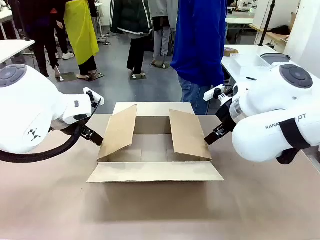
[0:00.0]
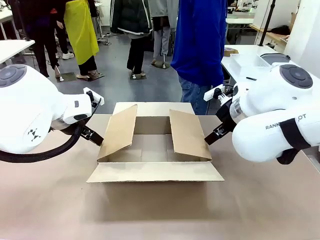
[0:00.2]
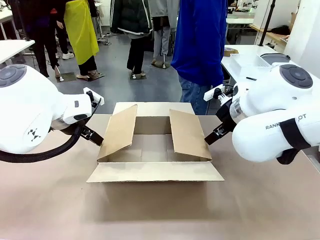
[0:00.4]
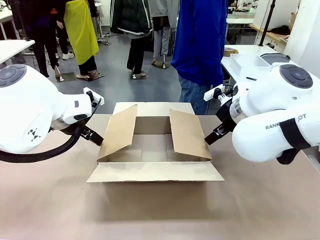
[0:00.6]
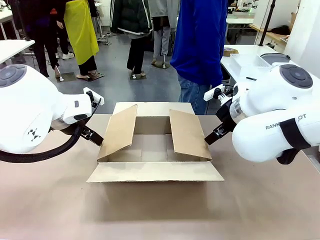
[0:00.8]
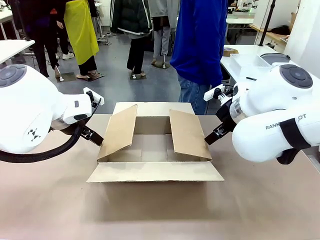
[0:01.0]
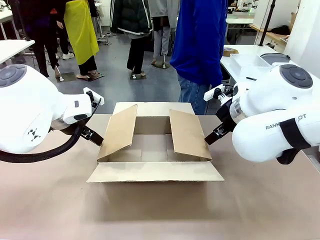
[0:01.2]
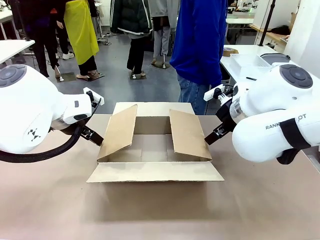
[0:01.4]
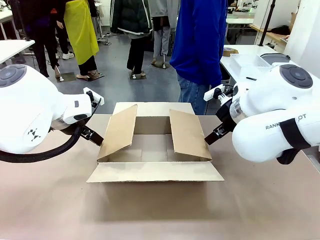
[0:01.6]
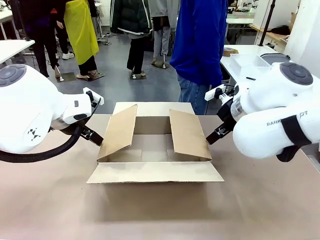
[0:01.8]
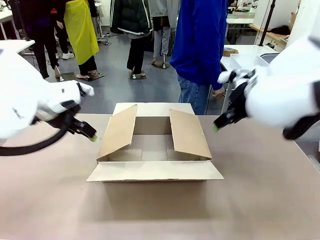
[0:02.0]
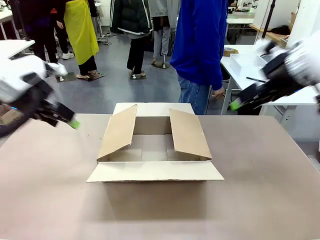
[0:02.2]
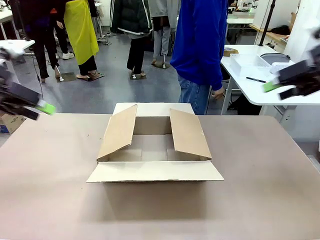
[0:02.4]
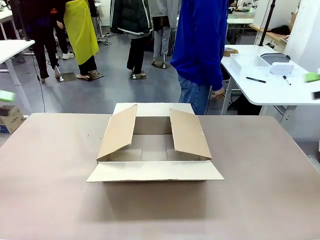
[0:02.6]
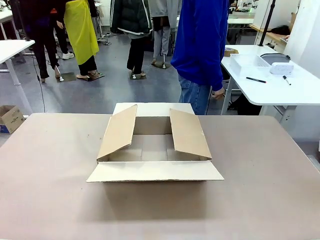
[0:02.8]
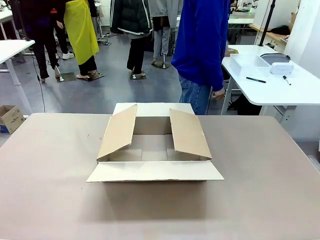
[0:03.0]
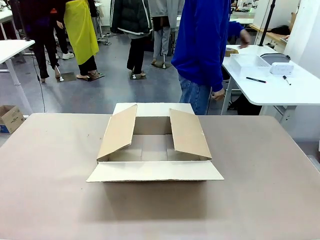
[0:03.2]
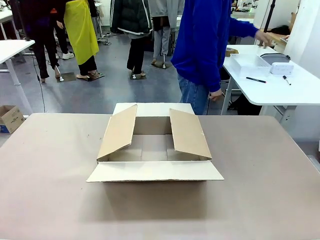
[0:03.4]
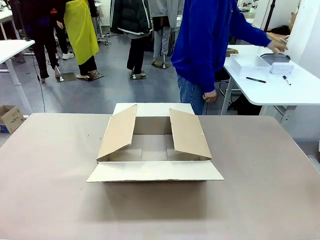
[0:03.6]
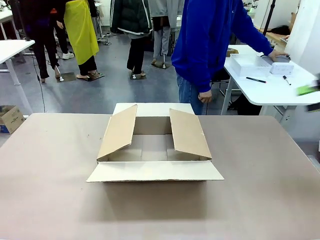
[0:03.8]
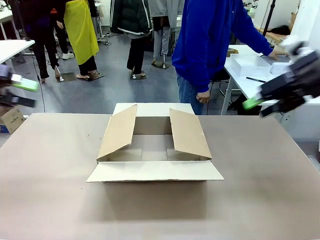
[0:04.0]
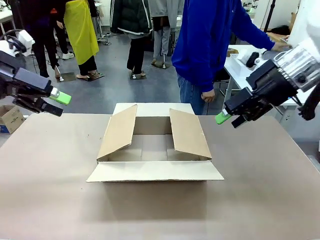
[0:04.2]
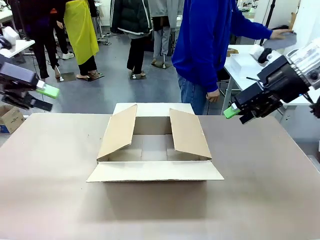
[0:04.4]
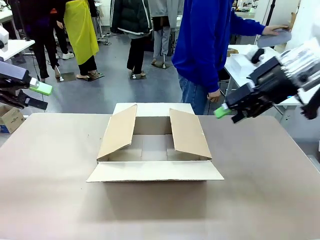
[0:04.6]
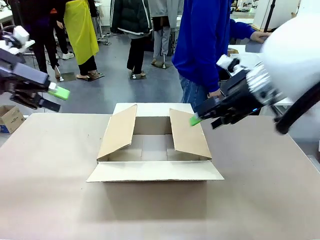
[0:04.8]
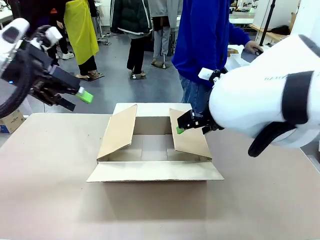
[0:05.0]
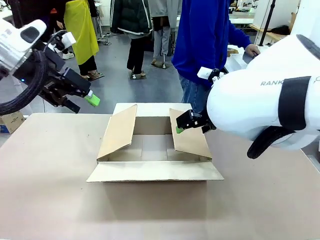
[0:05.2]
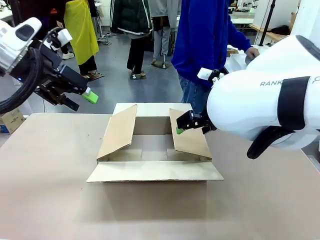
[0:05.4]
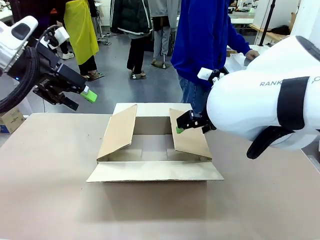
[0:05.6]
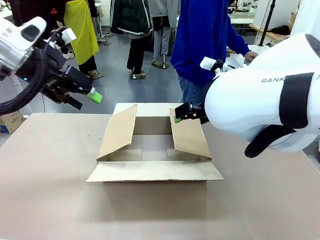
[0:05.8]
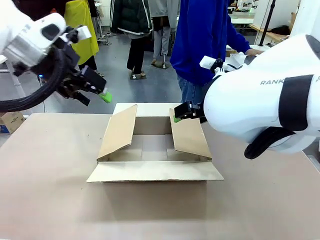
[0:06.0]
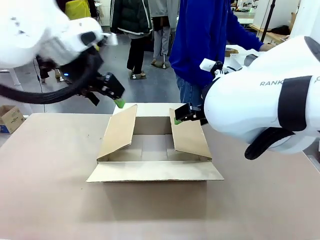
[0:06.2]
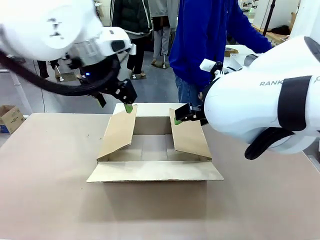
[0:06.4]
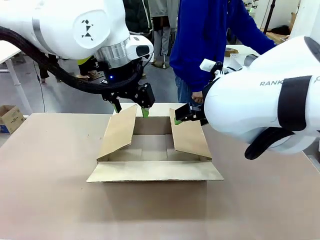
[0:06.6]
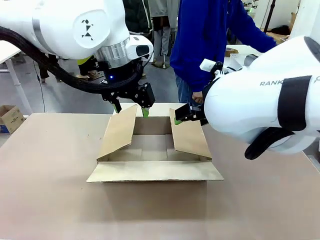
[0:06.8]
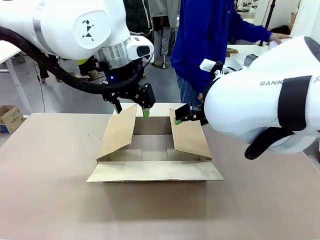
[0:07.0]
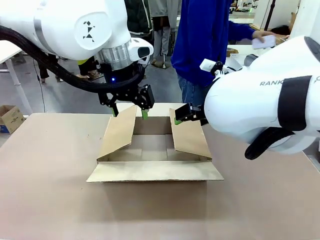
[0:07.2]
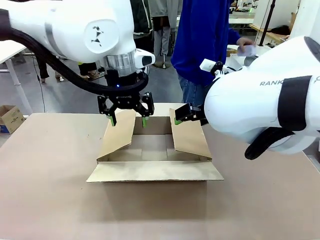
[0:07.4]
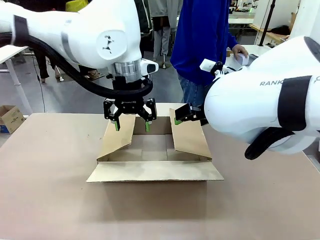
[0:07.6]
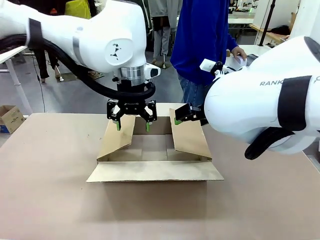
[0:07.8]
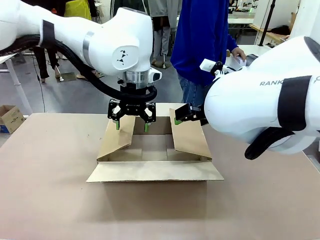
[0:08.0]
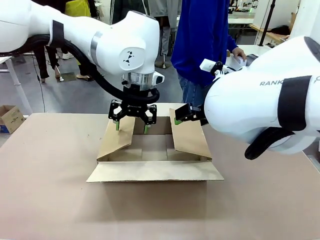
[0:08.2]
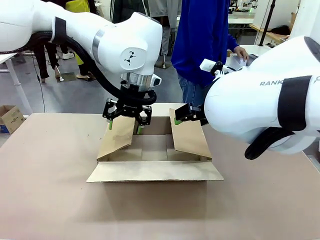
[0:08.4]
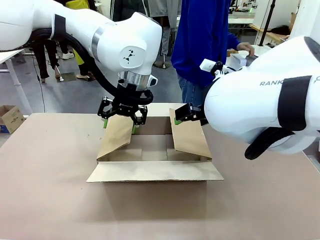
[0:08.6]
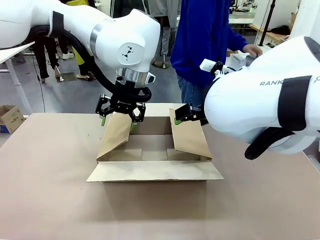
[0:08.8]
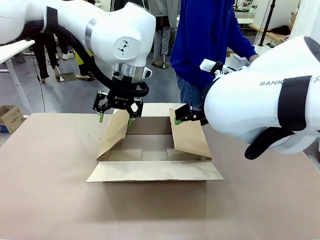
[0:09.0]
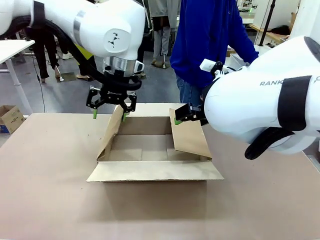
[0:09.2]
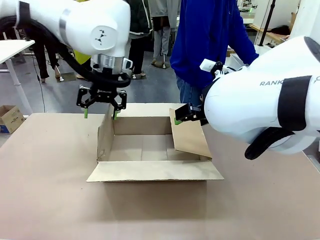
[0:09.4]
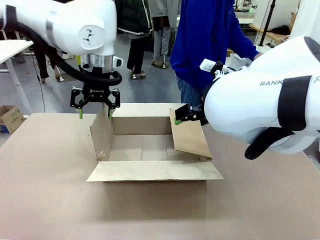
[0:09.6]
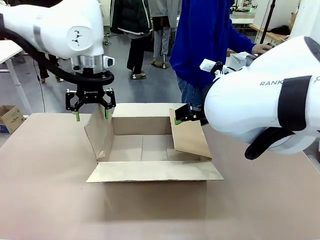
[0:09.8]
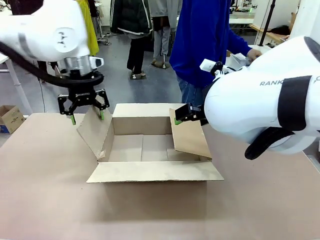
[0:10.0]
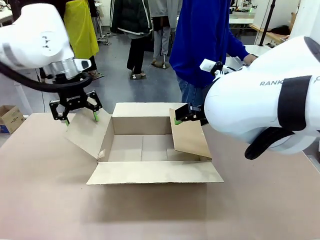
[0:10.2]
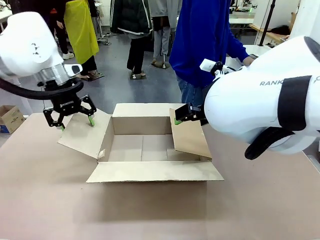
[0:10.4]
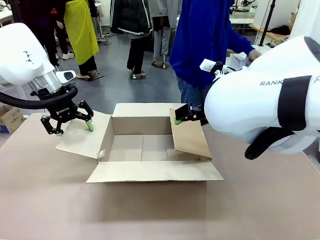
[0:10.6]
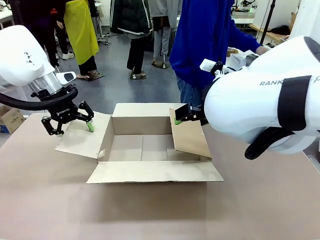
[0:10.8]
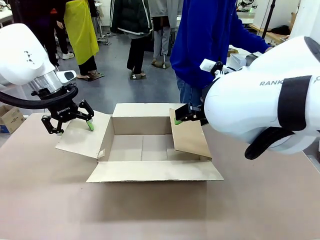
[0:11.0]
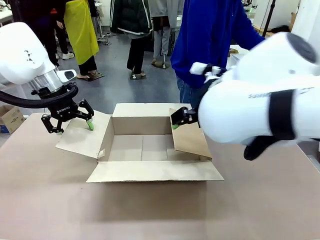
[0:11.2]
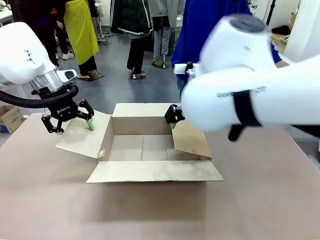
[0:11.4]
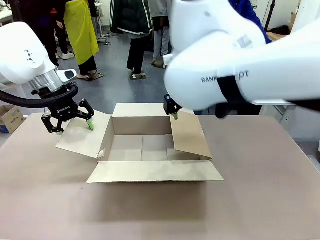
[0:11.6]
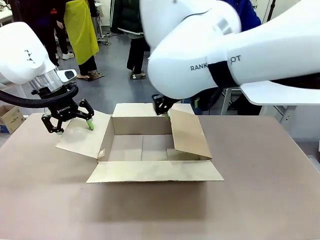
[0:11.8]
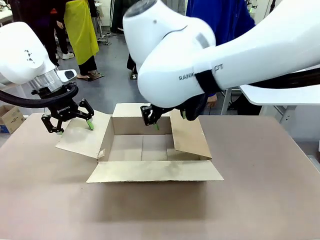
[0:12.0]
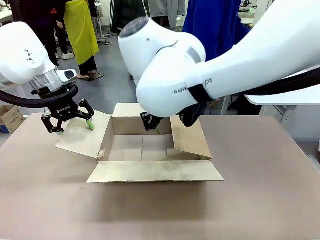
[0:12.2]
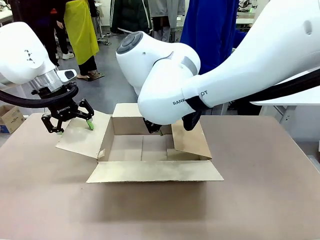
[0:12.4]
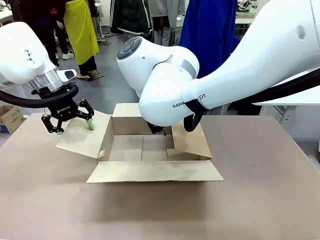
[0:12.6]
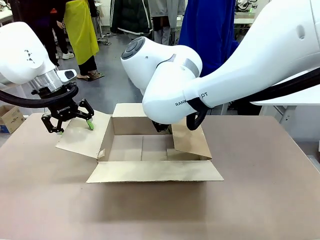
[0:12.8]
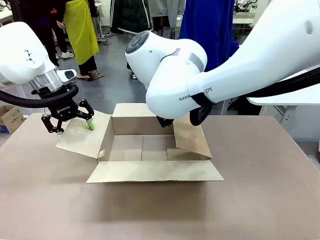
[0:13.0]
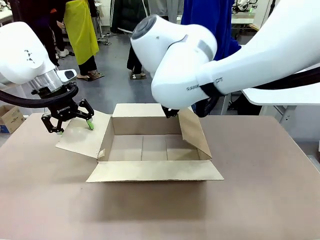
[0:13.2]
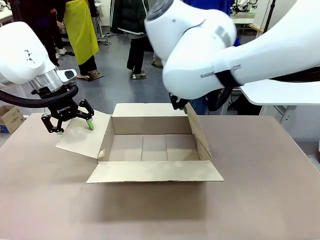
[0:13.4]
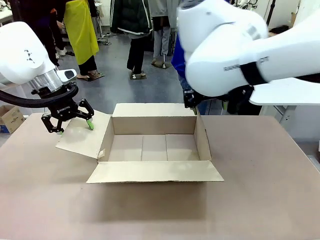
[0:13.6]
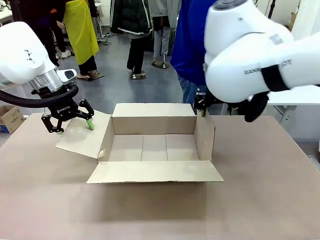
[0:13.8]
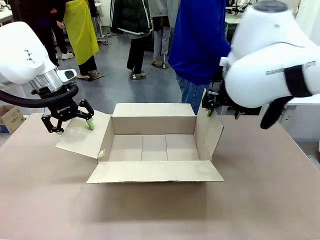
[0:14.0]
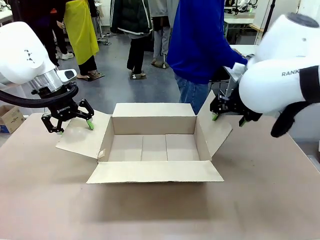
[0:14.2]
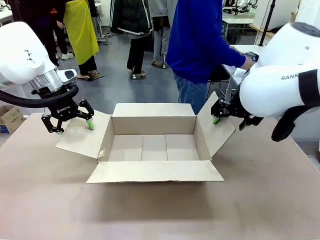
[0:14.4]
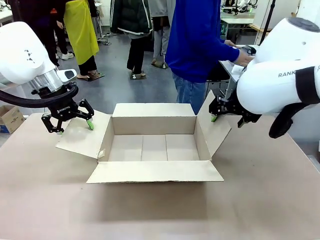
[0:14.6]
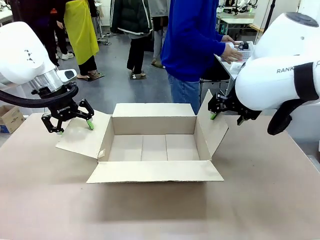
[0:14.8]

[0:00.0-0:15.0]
Task: Pack the gift set into the box.
Robot: Place both hands on the side flaps of the Package Box and spread them outward.
Person: The human places all items except the paper tape into the organizing basket.

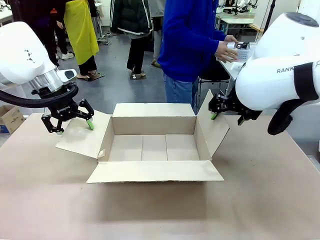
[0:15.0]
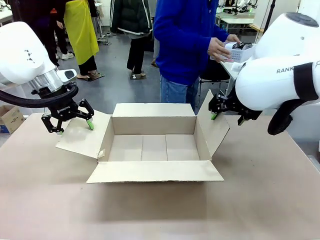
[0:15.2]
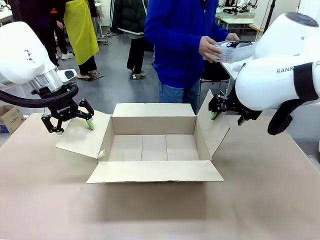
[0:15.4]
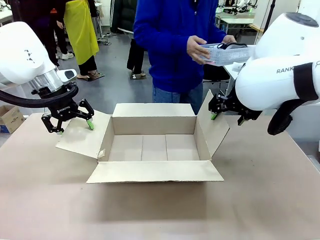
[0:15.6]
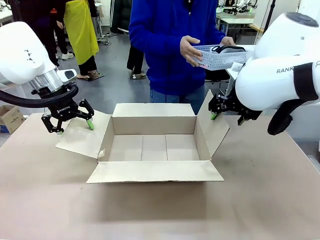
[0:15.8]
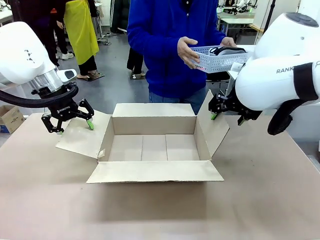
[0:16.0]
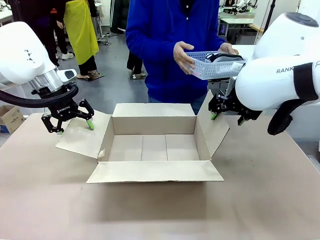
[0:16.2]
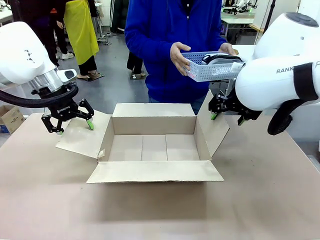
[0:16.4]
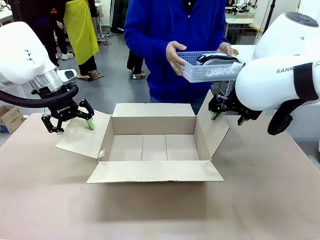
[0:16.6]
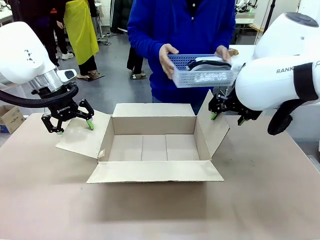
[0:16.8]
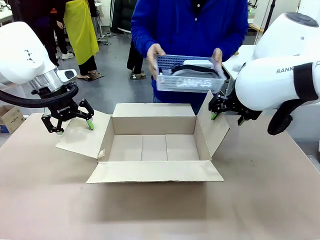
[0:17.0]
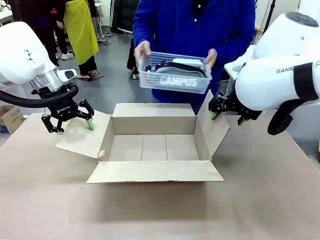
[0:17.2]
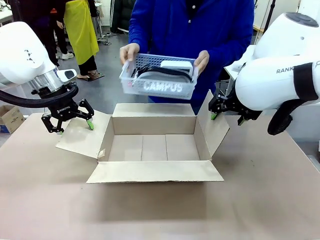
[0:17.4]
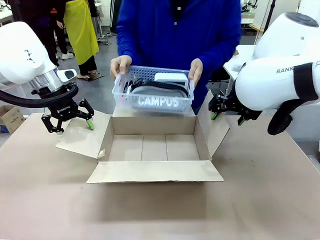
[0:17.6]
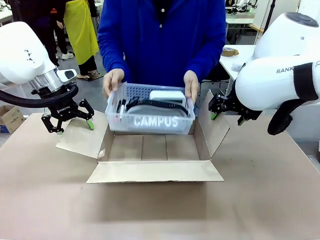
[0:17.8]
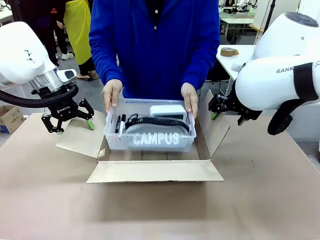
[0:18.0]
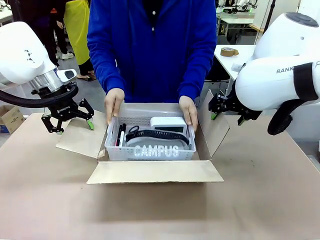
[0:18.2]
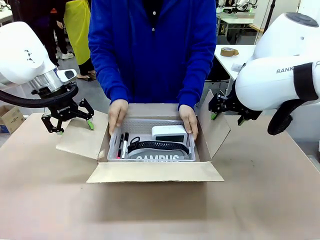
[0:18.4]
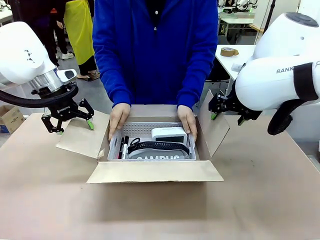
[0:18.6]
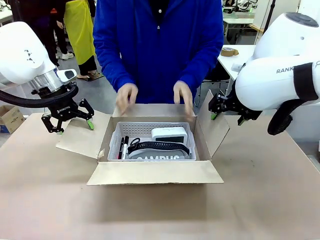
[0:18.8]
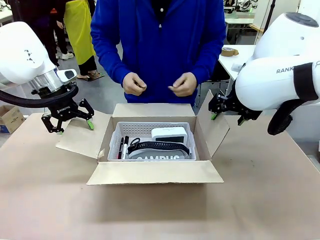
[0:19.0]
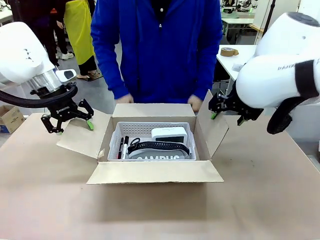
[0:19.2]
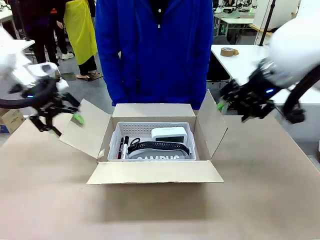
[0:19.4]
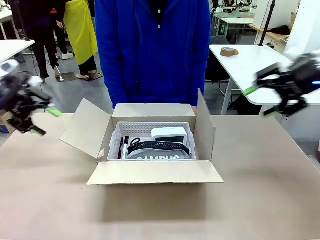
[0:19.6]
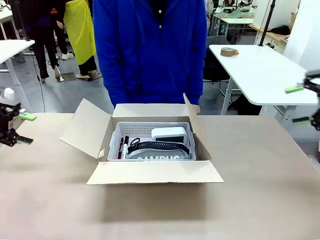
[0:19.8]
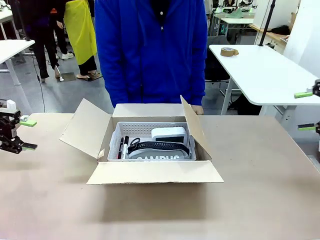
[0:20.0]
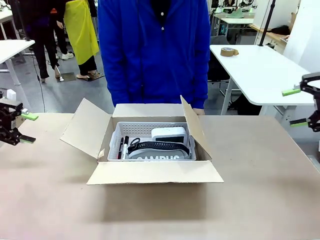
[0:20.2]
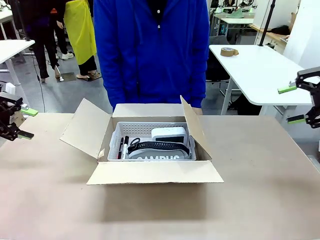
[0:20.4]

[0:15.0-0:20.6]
Robot: Lift both hands away from the flaps of the Package Box.
Person: The human picks up the organizing basket and places the organizing basket into the package box on the robot table.
